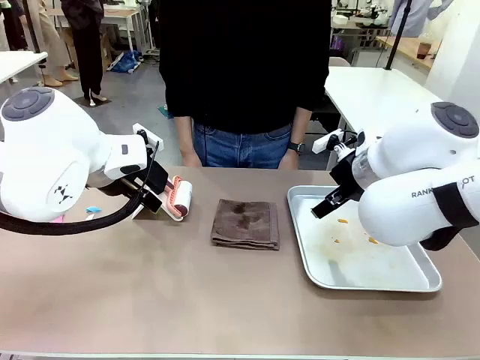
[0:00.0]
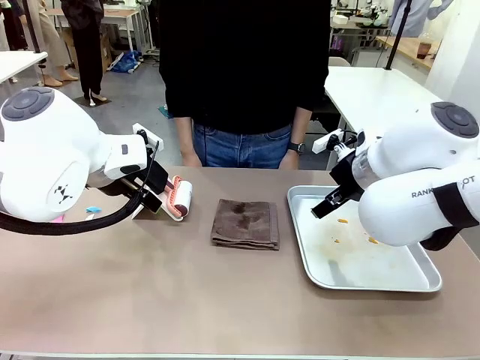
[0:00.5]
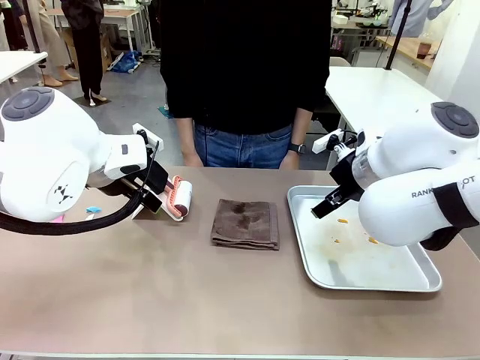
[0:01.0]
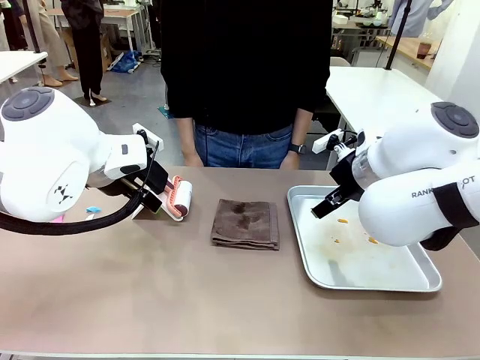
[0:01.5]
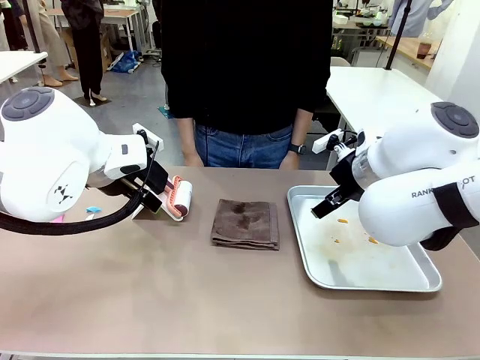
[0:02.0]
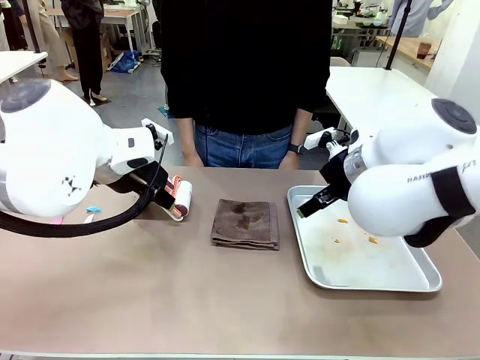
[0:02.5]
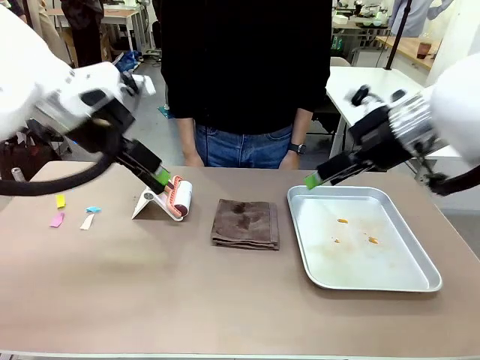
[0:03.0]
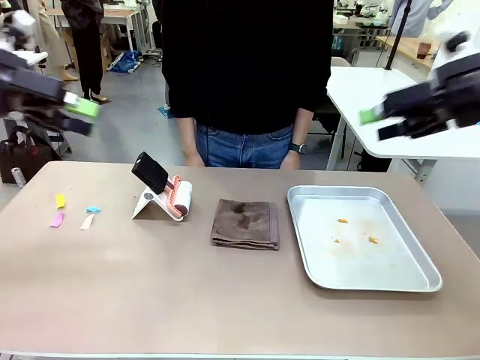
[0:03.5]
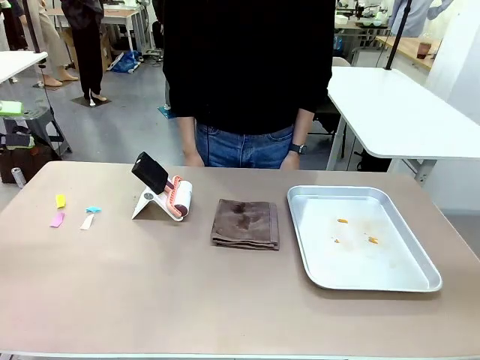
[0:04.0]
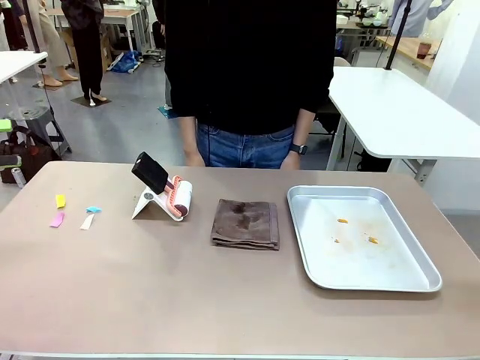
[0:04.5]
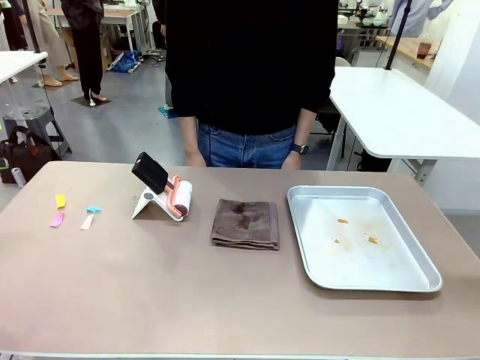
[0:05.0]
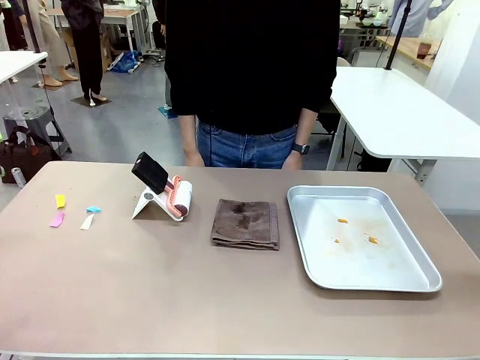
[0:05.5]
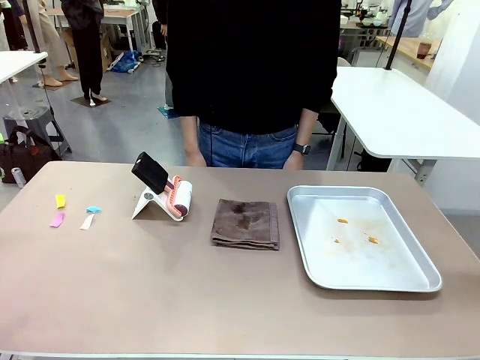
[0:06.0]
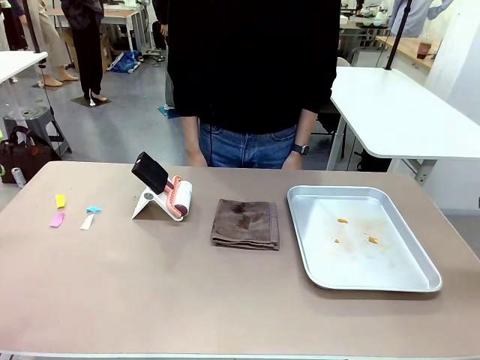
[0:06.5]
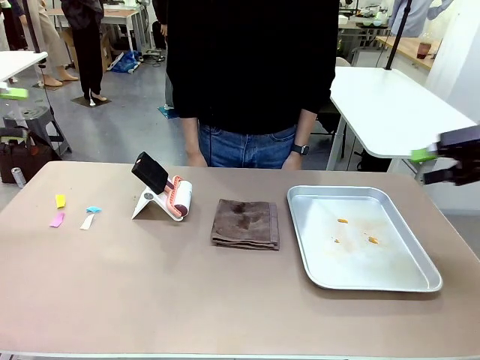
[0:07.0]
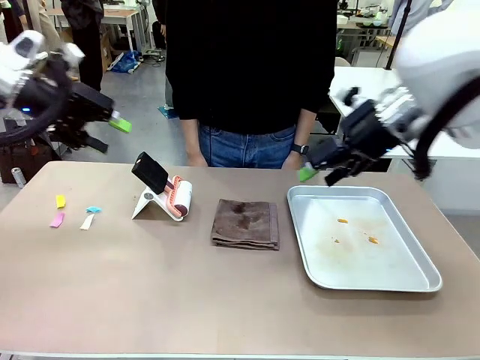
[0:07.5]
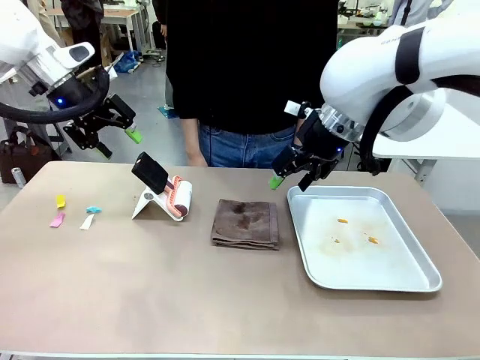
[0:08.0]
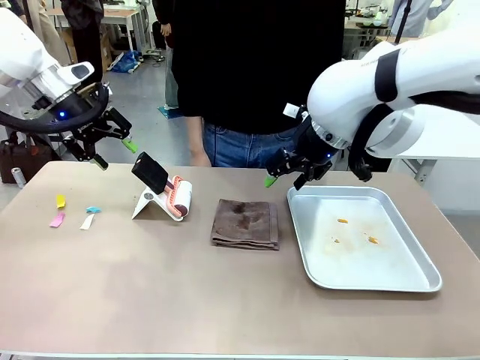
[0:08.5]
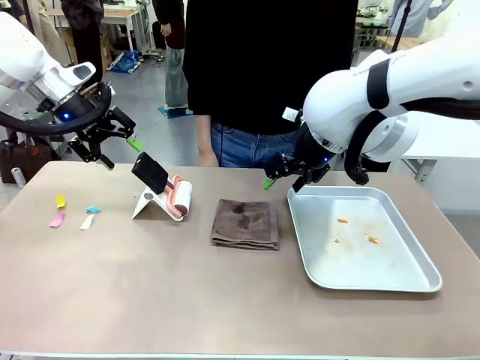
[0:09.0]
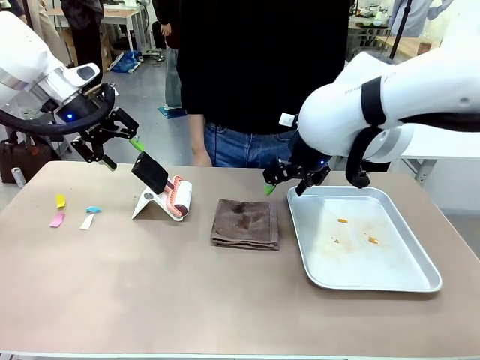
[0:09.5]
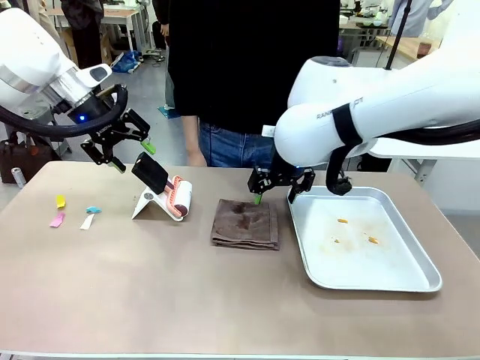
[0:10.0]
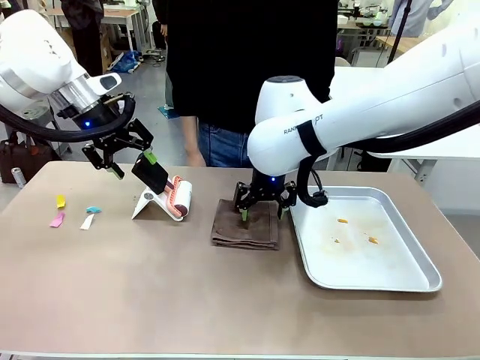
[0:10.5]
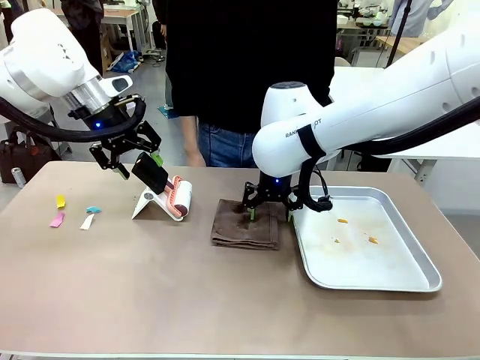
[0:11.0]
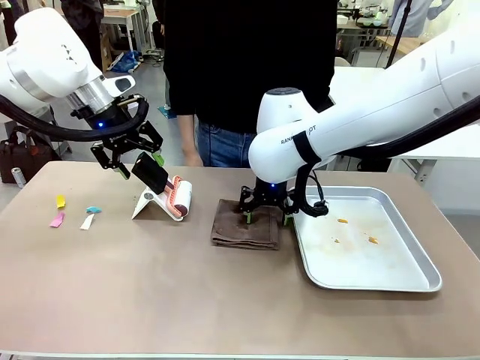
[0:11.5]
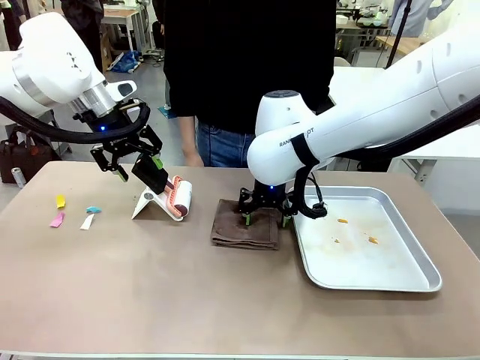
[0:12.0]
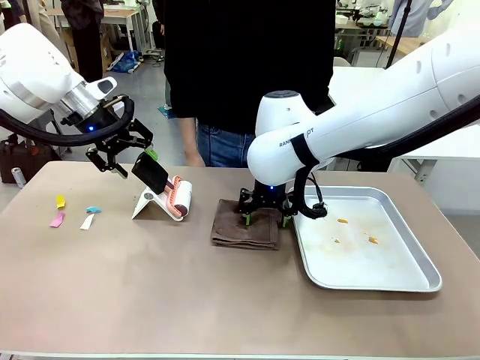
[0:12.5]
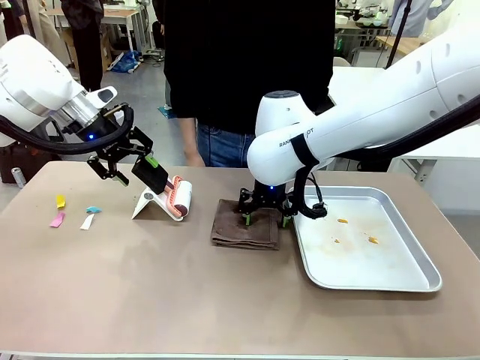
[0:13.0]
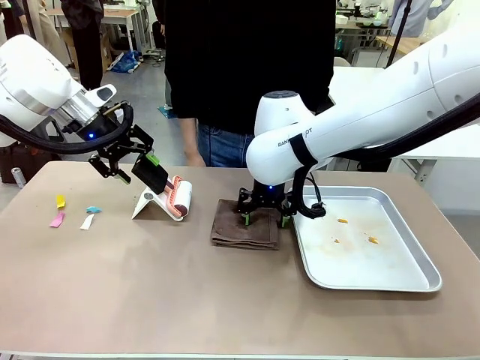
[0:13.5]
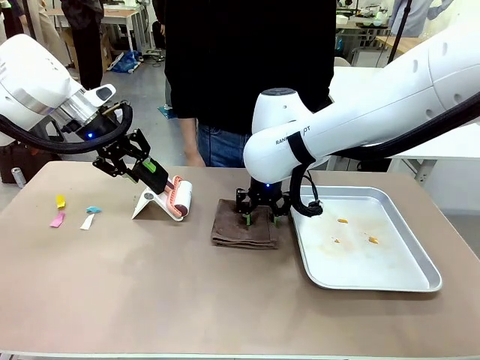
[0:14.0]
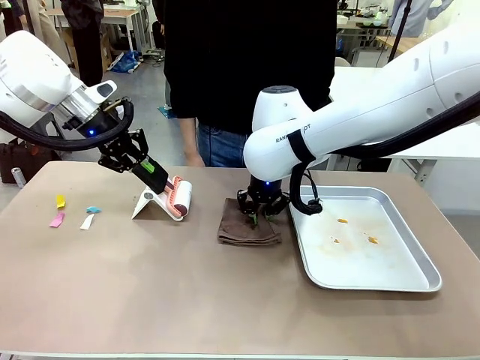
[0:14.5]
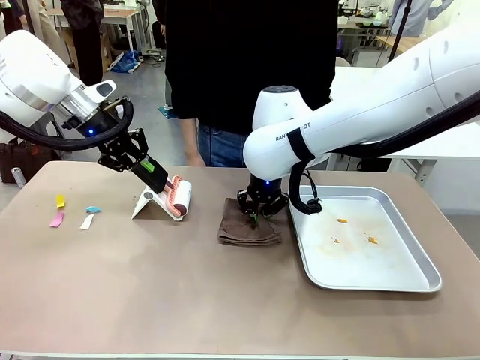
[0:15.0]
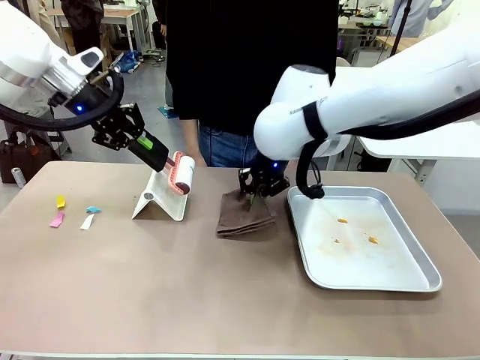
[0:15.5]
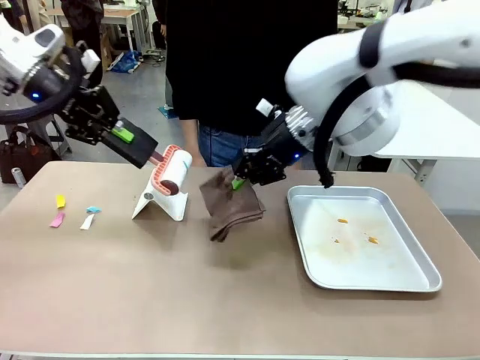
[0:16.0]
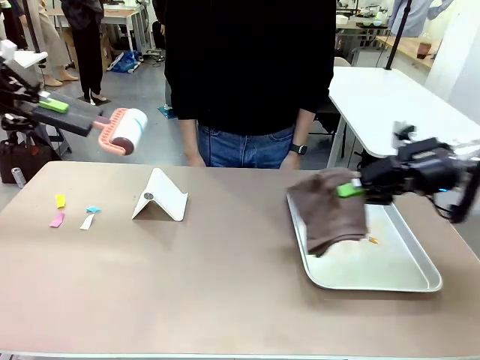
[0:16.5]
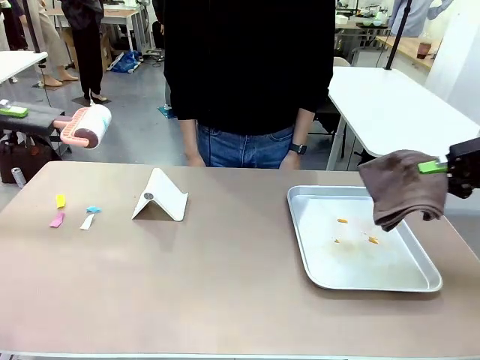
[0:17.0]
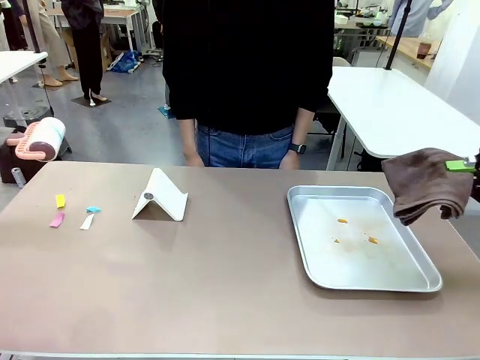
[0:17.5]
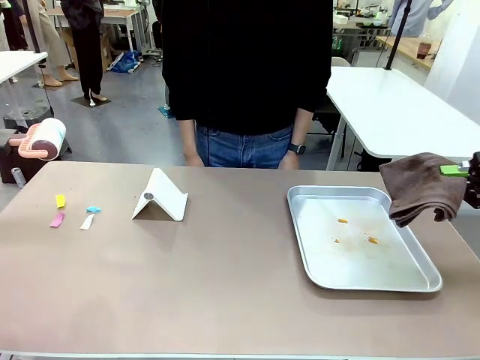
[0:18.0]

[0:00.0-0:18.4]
Task: Clean the surface of the table.
Robot: Hold the Lint Roller with your left hand and the towel with your right hand.

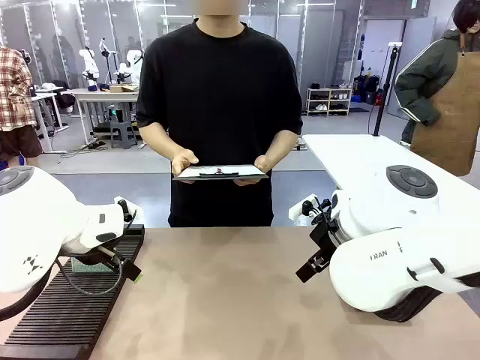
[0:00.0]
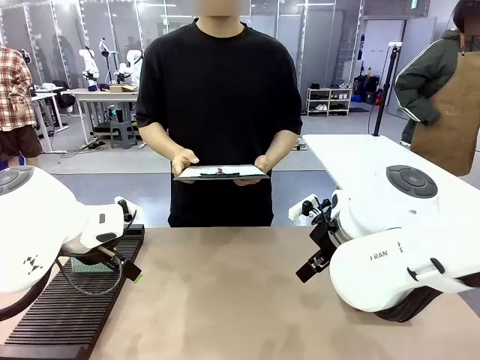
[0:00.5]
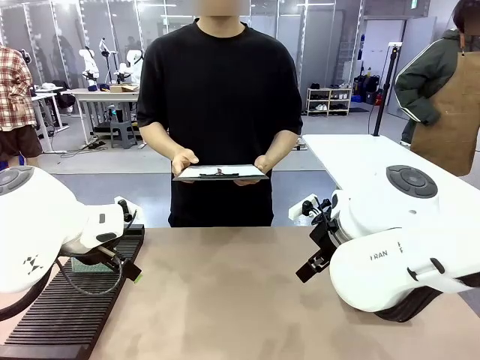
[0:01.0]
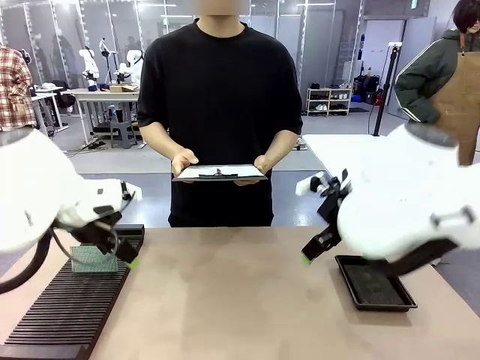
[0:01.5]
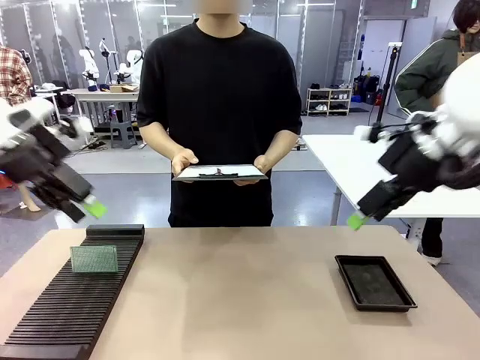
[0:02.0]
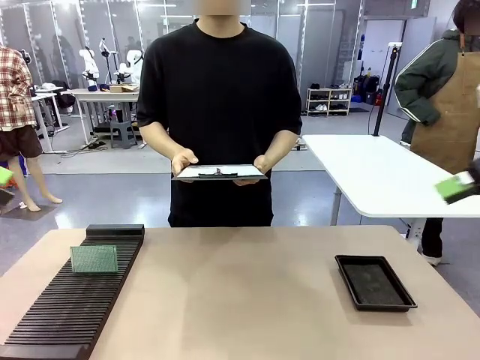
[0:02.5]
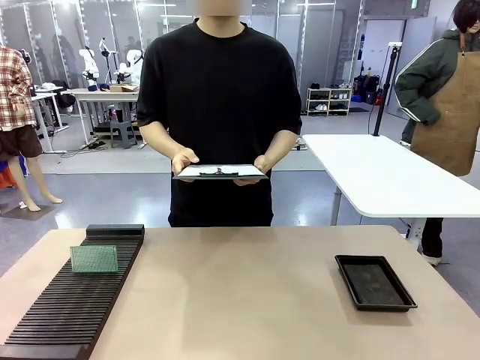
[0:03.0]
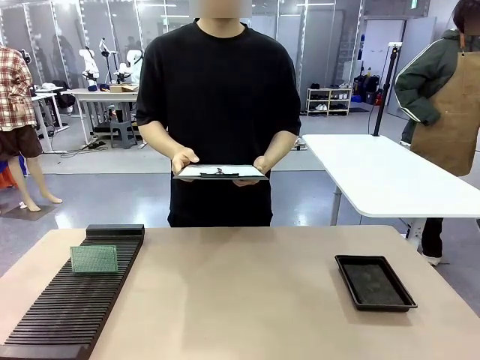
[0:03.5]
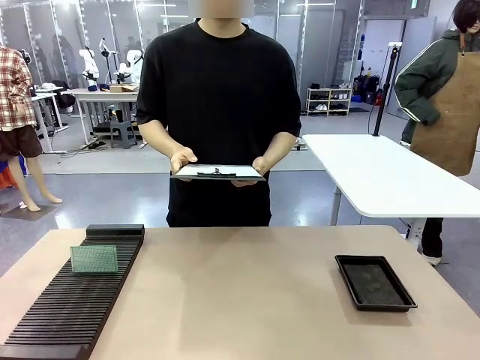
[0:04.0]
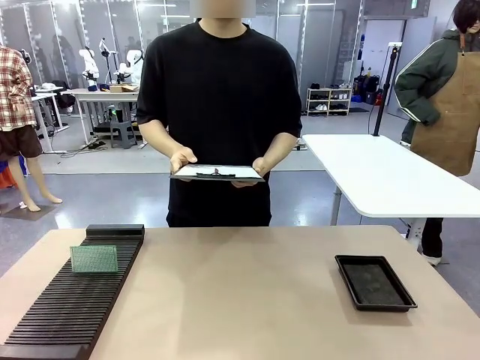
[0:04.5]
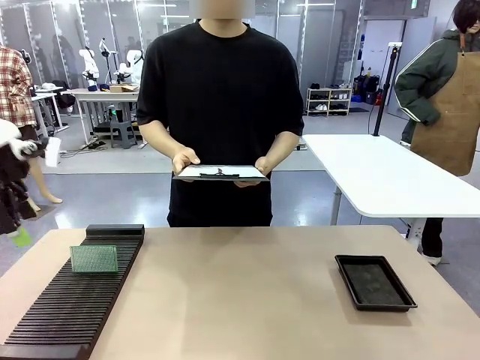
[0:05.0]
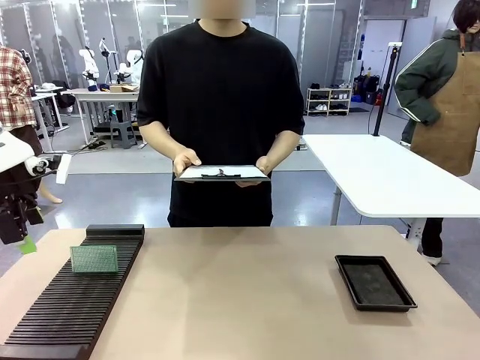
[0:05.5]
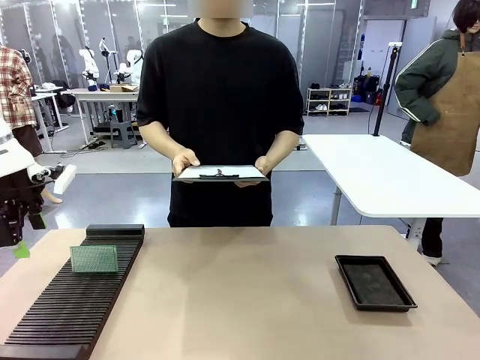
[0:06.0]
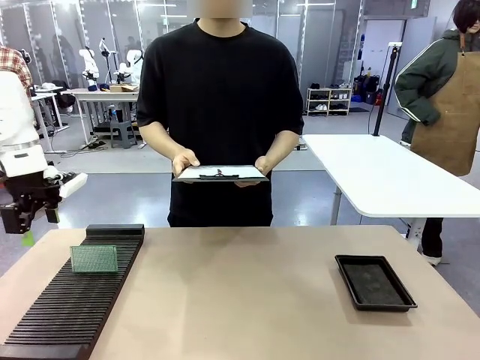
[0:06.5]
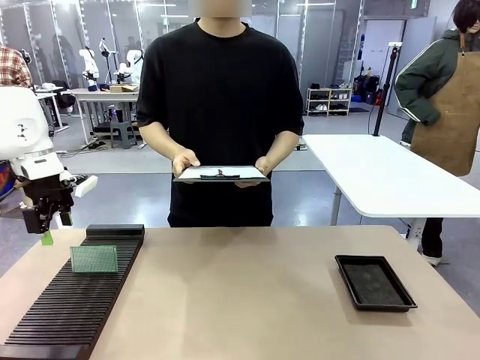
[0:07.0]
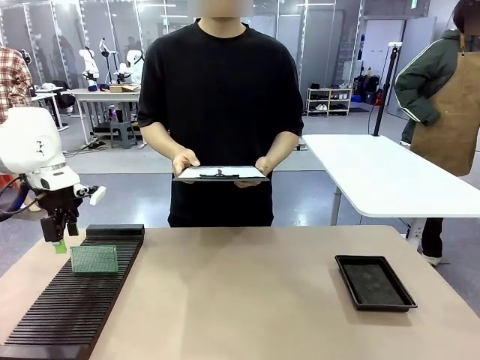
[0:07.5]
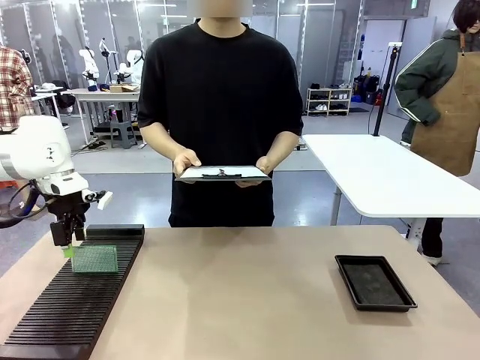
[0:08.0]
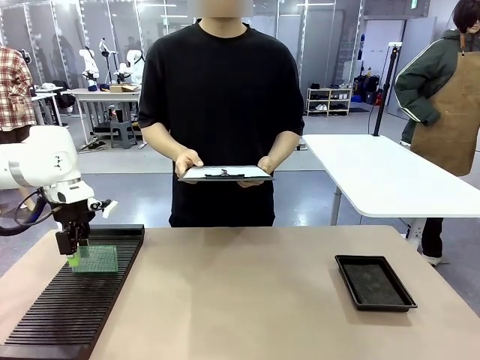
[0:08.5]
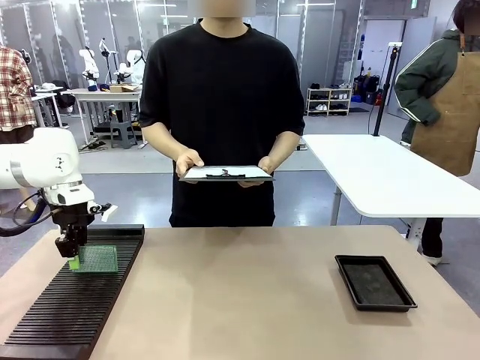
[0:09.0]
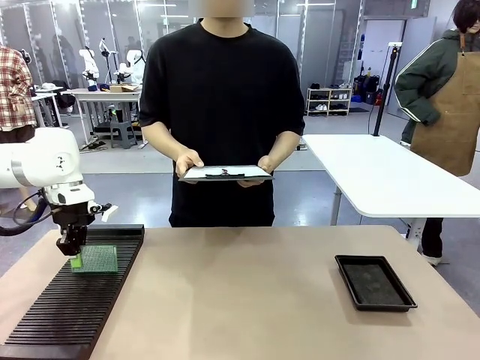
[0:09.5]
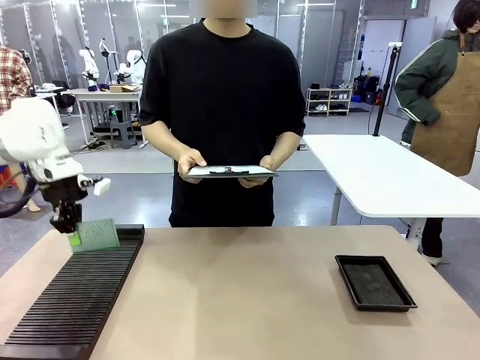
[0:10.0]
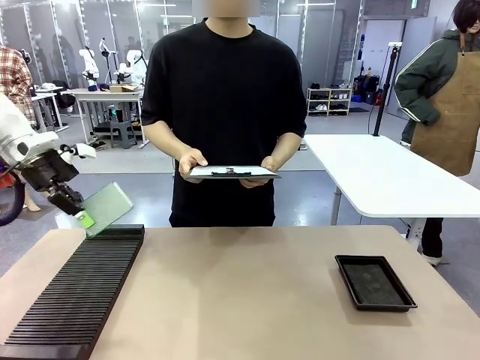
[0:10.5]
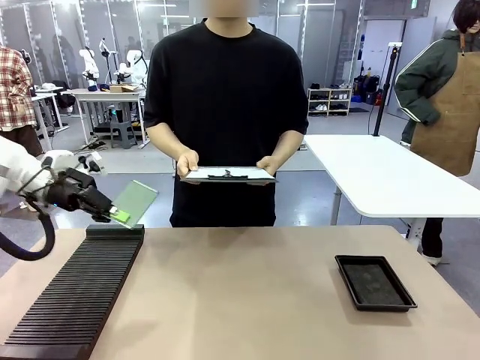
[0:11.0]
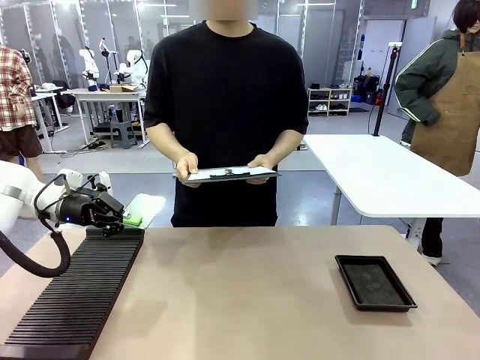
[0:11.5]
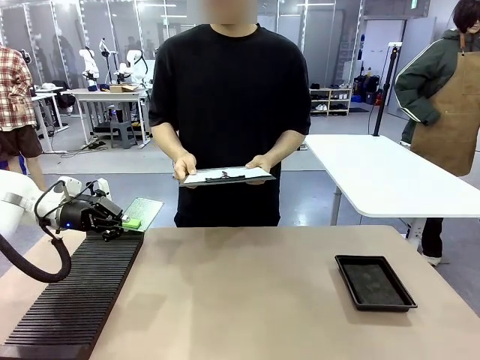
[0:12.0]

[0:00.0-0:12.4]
Task: Inspect the PCB.
Robot: Pick up the Blank PCB and present it to the human.
Person: Pick up the PCB presented by the robot.
